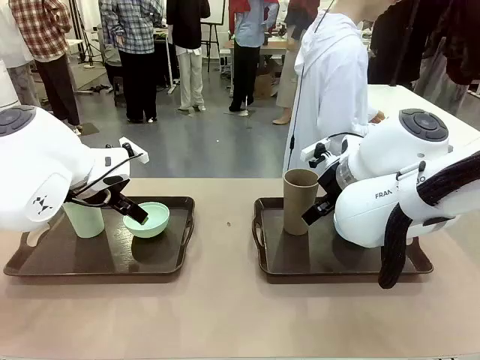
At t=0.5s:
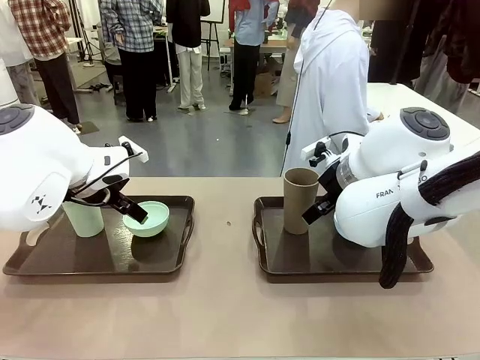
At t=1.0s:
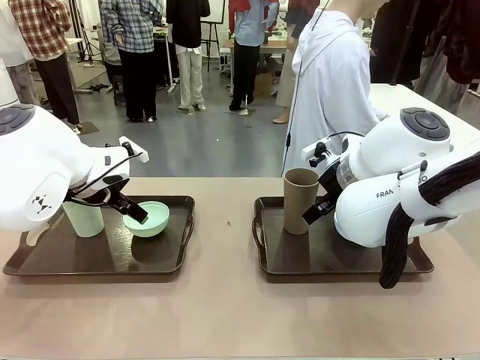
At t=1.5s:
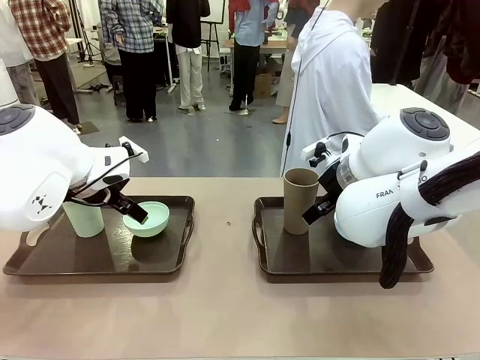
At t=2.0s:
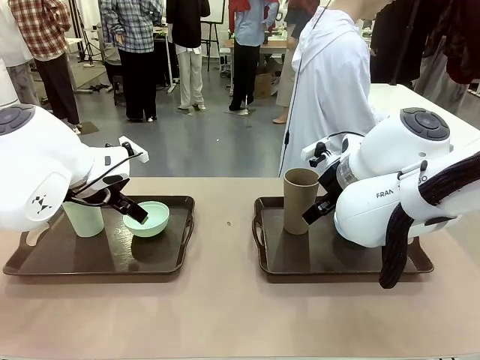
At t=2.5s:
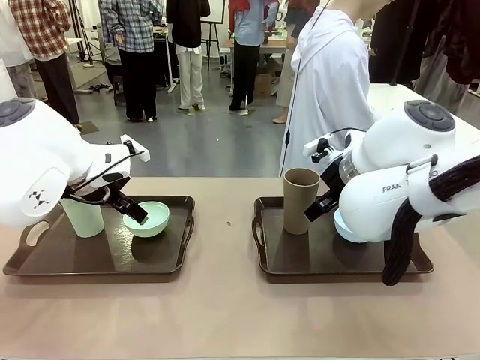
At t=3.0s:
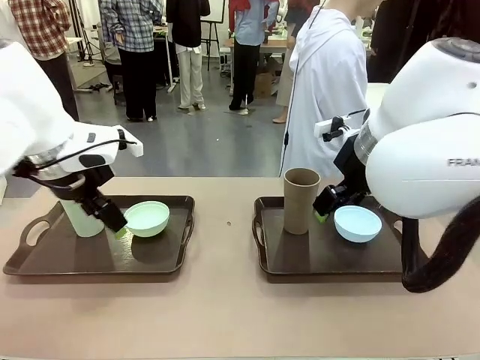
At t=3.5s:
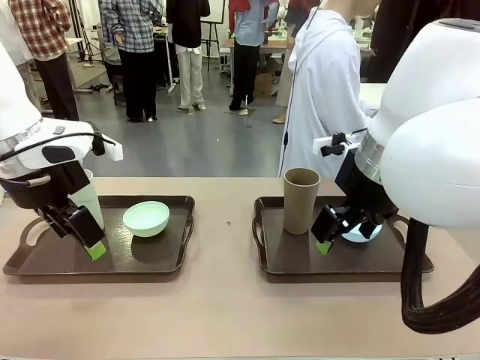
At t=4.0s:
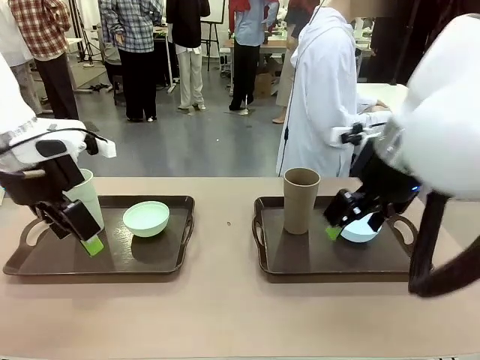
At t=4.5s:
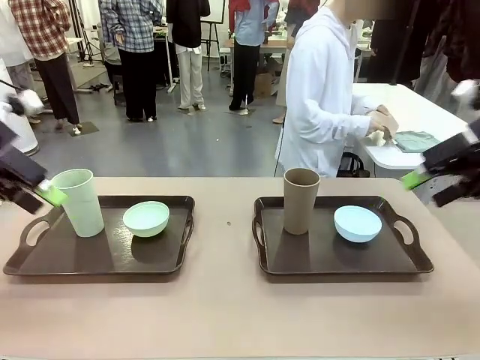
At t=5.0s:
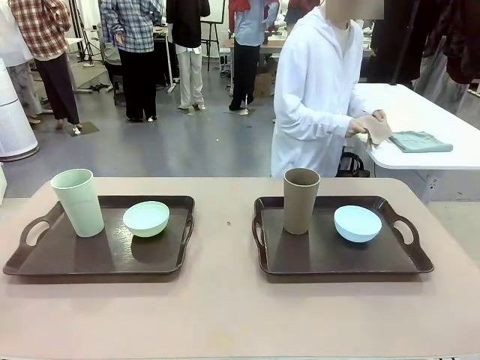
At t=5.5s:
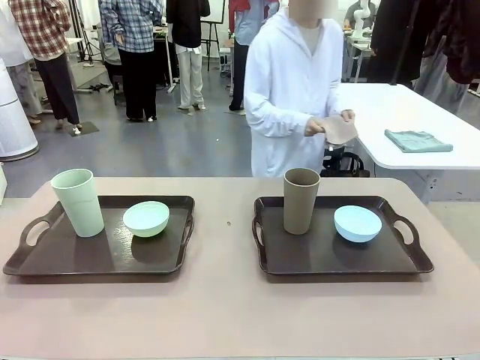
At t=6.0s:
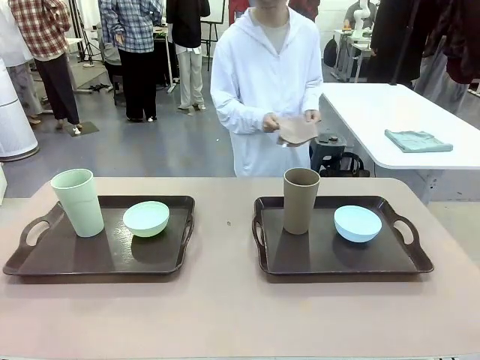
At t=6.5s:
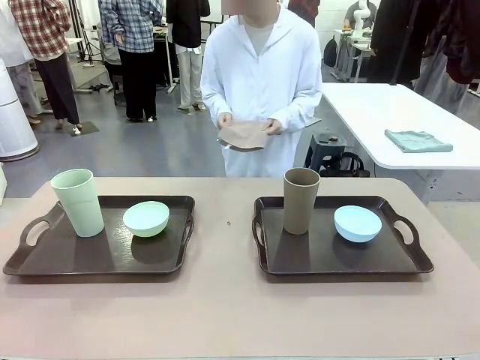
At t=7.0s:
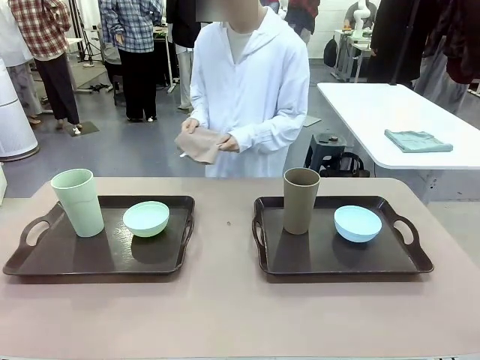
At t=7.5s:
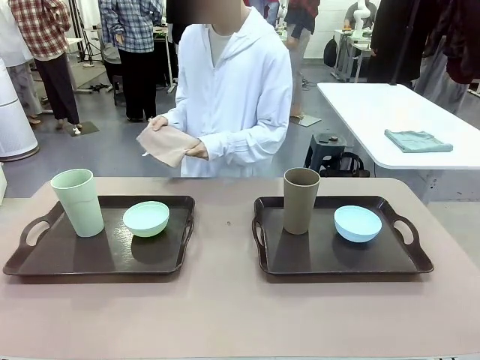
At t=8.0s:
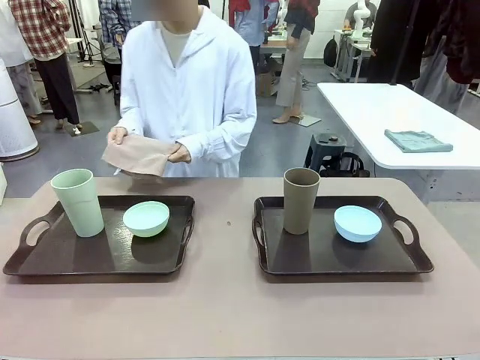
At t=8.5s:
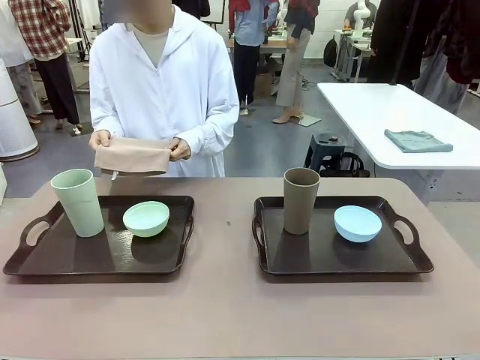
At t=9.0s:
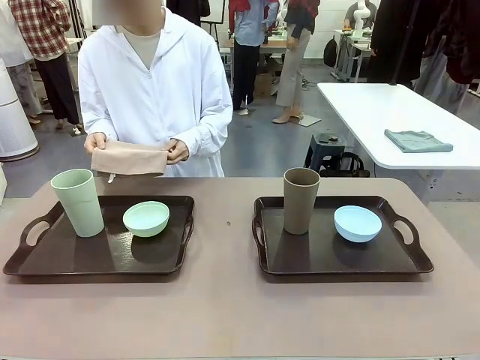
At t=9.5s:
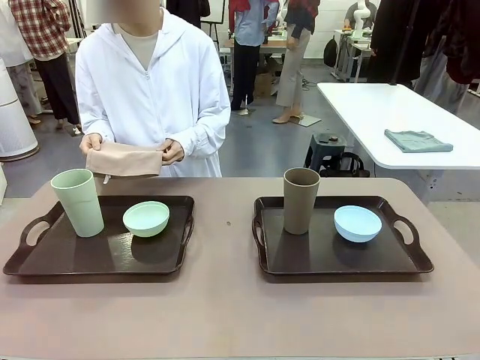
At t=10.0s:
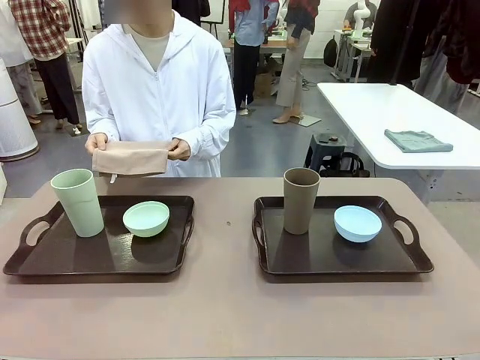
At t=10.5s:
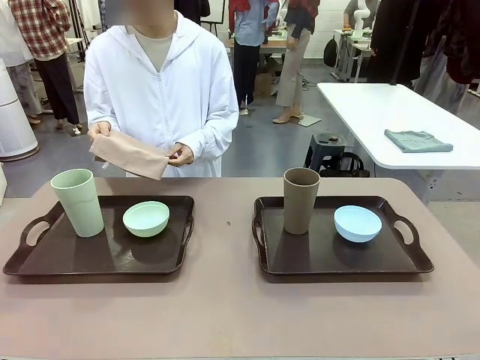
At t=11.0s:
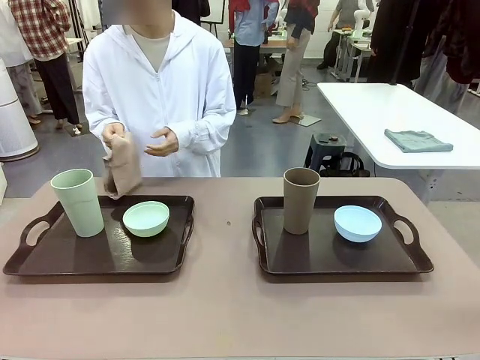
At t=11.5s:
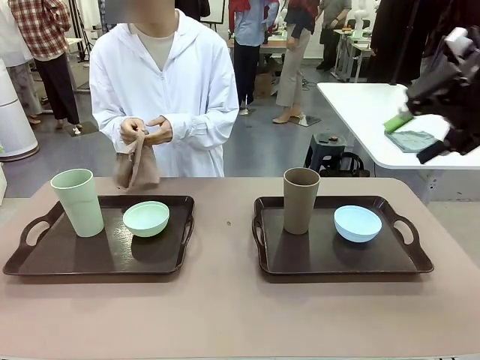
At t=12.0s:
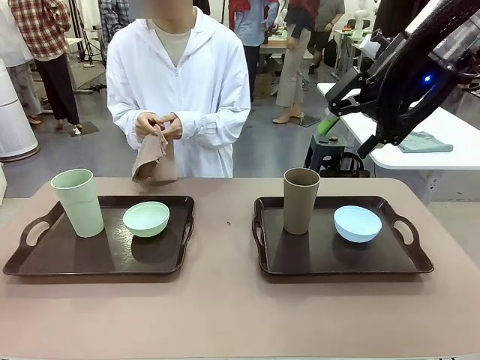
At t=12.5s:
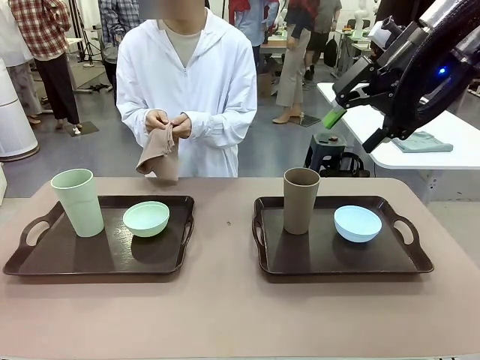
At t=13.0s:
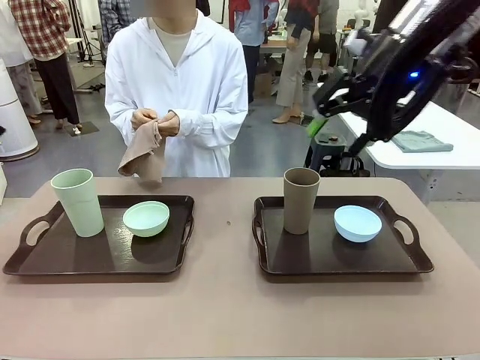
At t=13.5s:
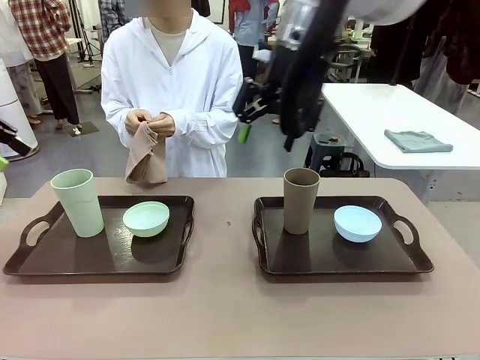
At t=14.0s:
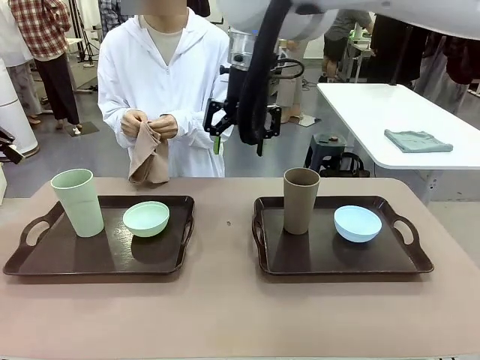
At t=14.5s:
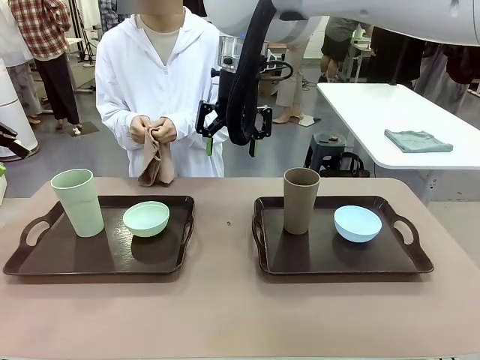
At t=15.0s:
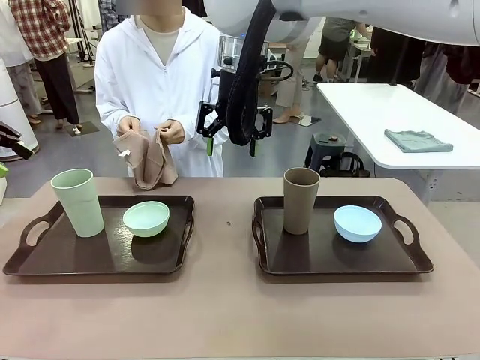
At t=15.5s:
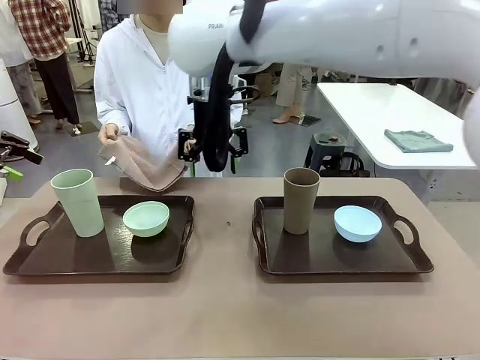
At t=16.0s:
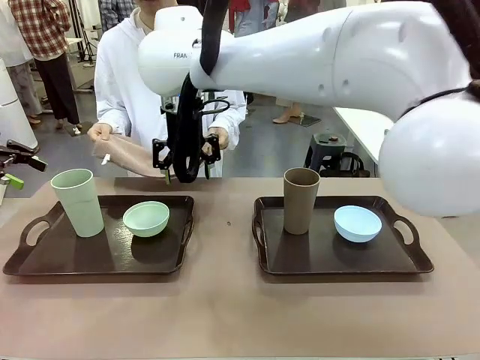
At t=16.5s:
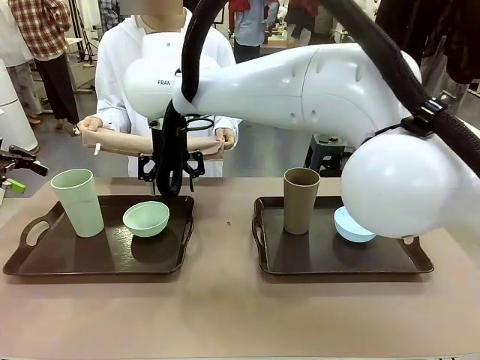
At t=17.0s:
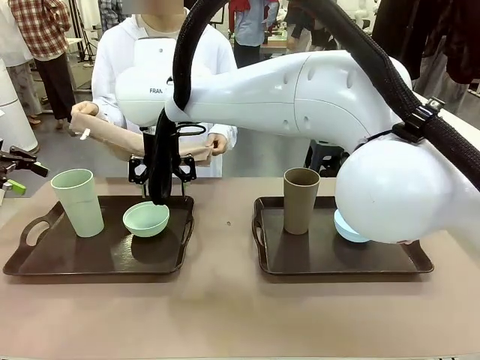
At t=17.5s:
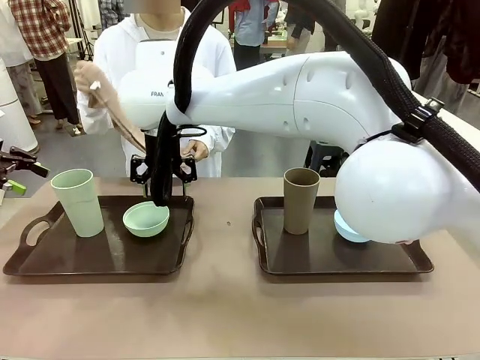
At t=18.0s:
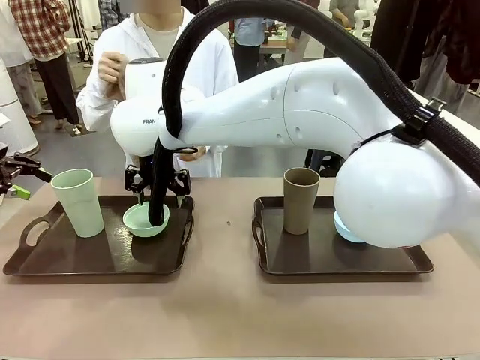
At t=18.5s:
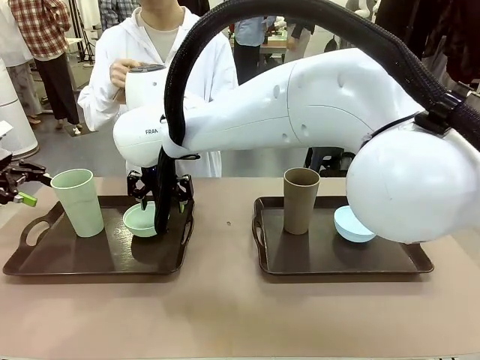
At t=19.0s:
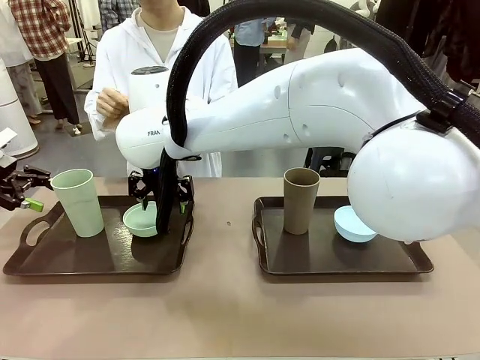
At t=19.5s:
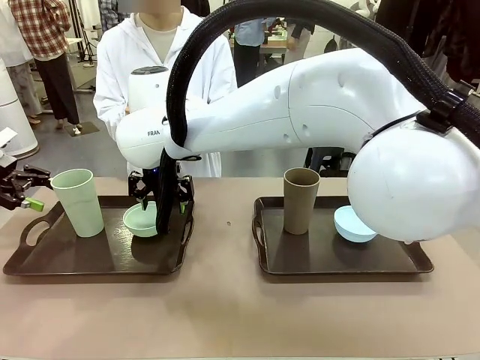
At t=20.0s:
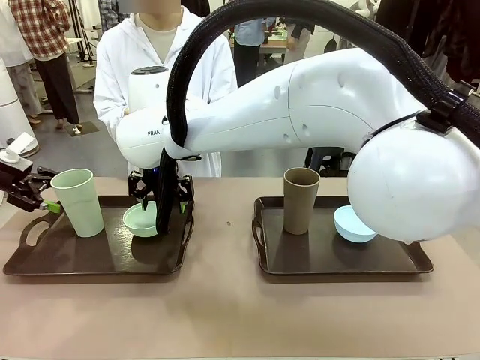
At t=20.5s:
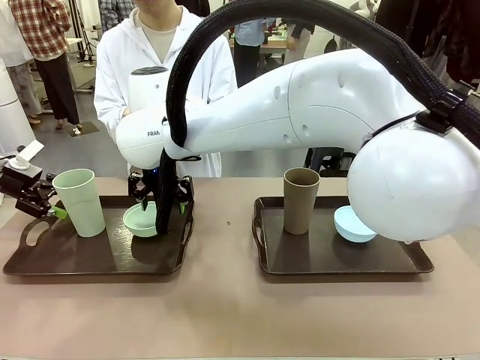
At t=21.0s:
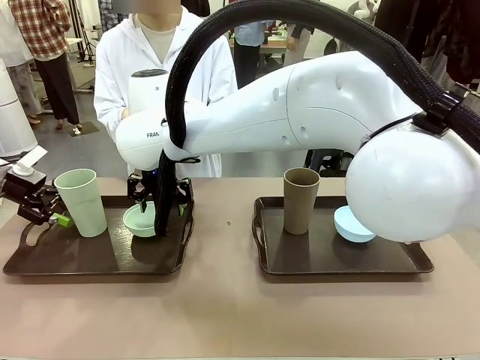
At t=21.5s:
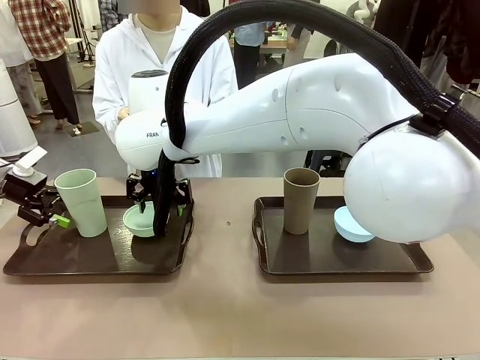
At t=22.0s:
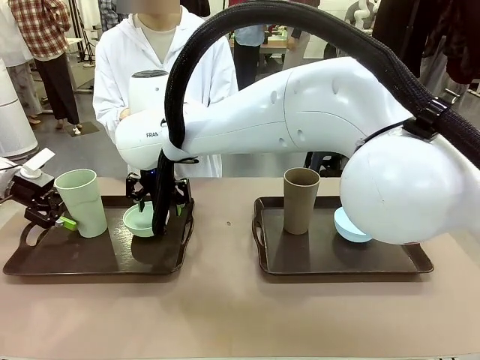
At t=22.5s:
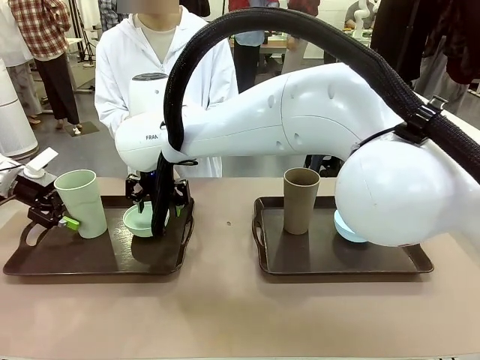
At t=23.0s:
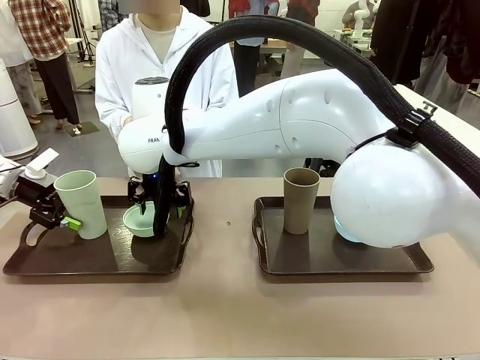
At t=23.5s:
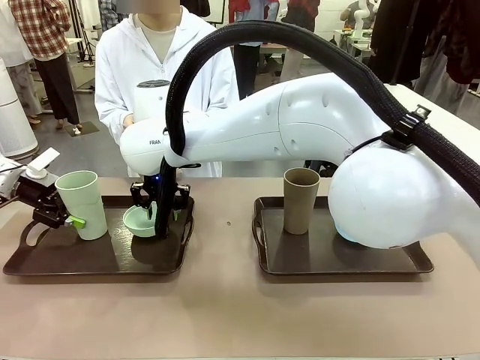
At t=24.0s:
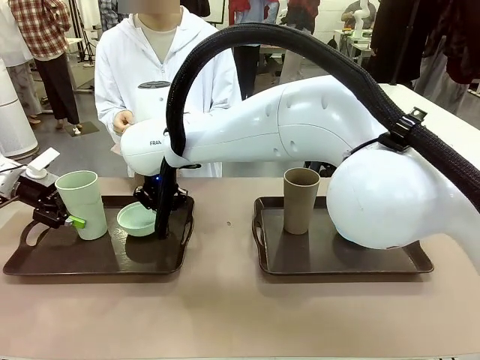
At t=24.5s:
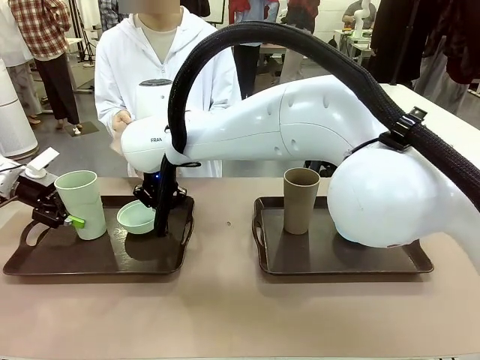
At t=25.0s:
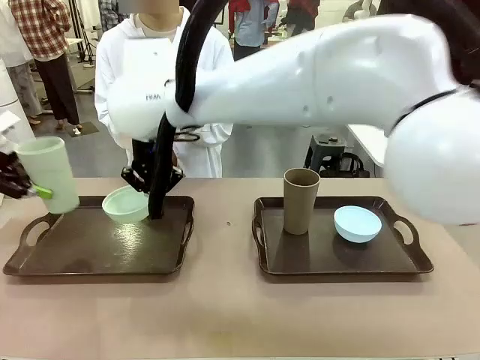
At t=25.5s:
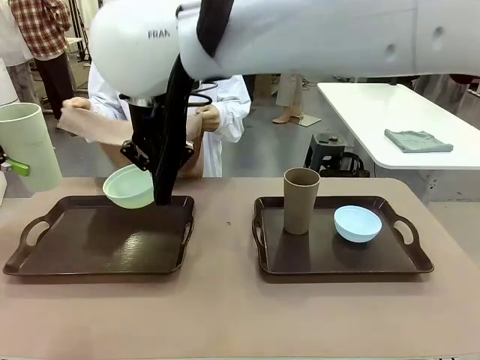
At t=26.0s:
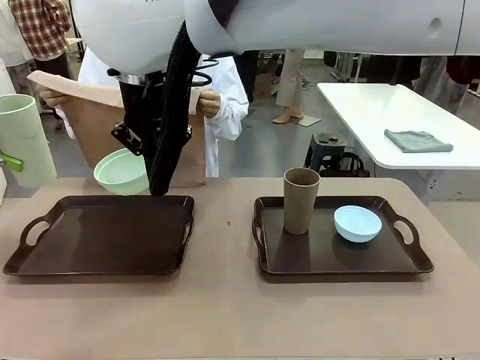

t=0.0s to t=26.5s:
Robot: Pick up the Picnic Bowl and Reusable plastic cup from the Handle tray in front of the human's position and hold them in the air.
Person: The human picks up the top napkin from the stack on the human table and walks to the robot table to stand in front of one of the two trays. When the robot lifts the bowl and the cup, the human unfolds the napkin and lays the napkin flat on the tray.
